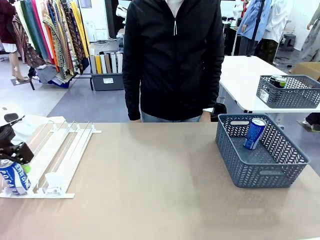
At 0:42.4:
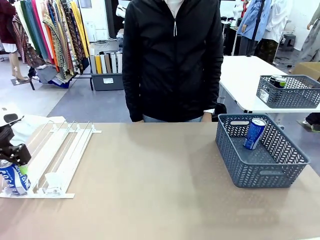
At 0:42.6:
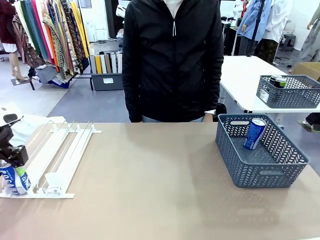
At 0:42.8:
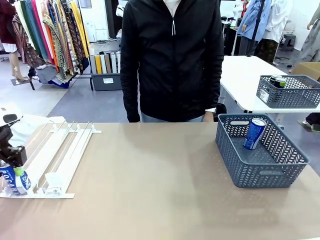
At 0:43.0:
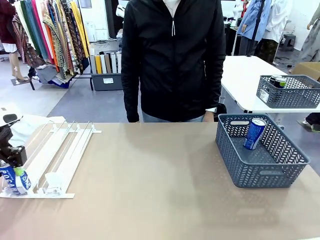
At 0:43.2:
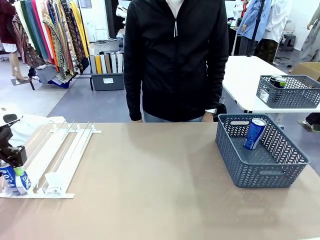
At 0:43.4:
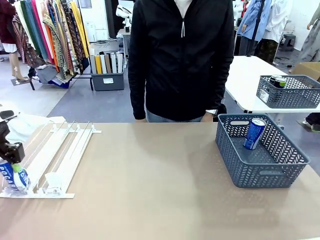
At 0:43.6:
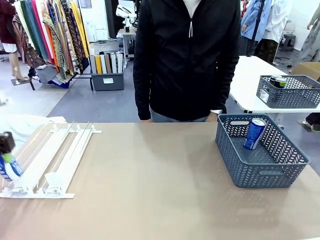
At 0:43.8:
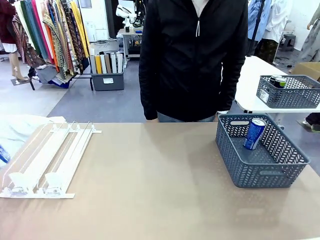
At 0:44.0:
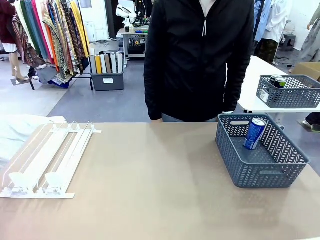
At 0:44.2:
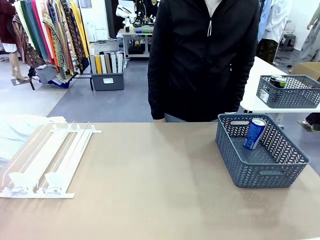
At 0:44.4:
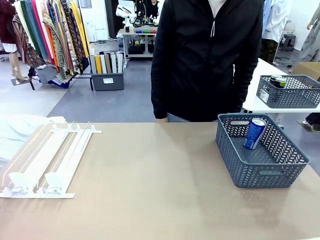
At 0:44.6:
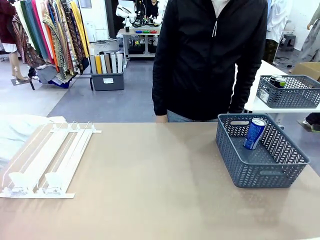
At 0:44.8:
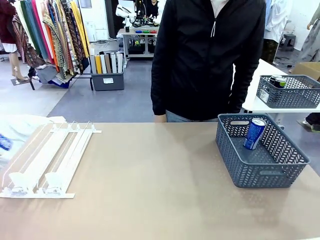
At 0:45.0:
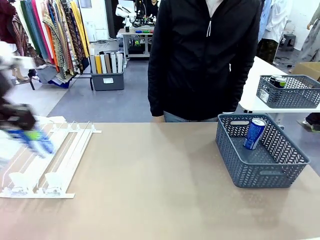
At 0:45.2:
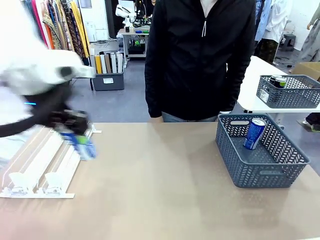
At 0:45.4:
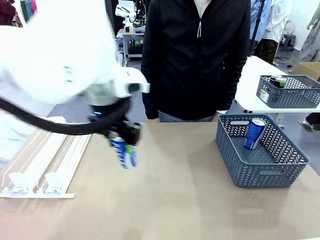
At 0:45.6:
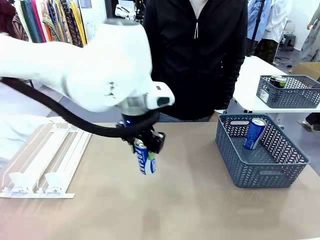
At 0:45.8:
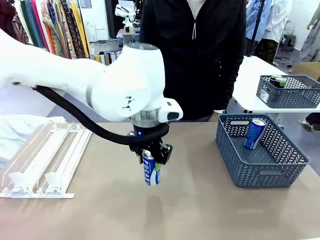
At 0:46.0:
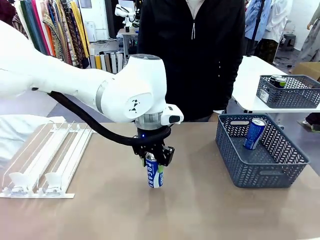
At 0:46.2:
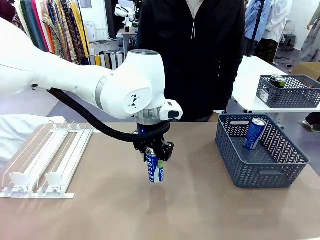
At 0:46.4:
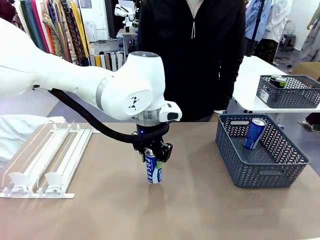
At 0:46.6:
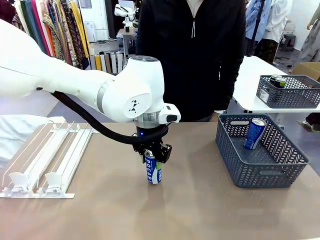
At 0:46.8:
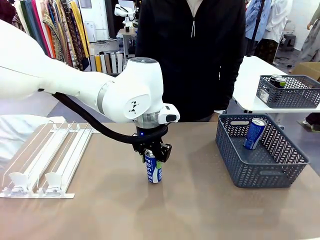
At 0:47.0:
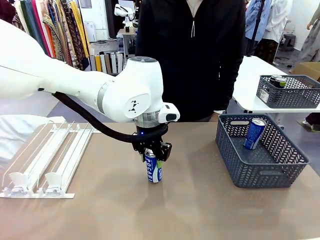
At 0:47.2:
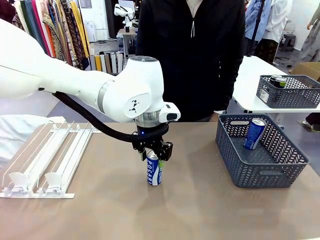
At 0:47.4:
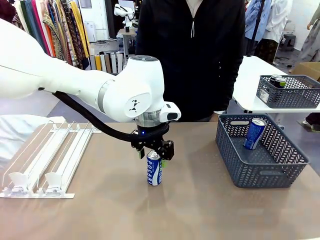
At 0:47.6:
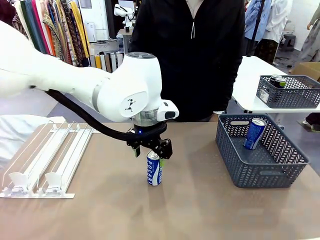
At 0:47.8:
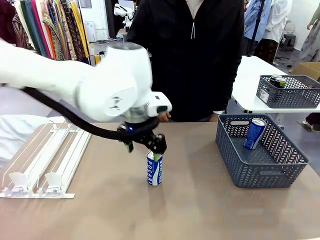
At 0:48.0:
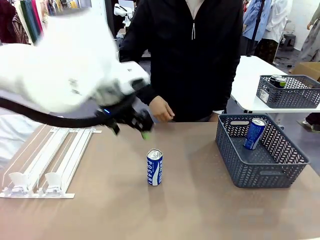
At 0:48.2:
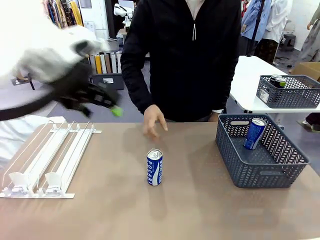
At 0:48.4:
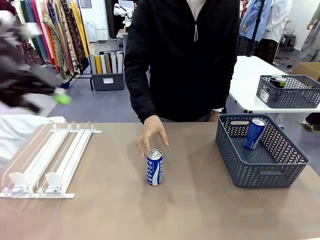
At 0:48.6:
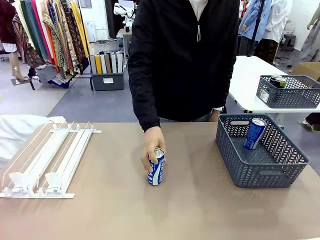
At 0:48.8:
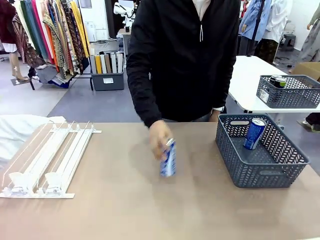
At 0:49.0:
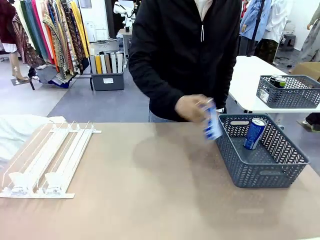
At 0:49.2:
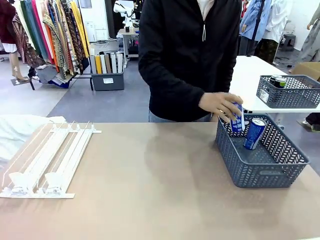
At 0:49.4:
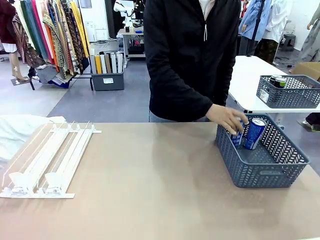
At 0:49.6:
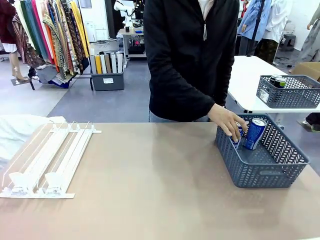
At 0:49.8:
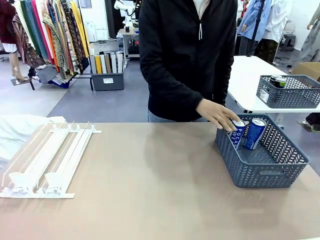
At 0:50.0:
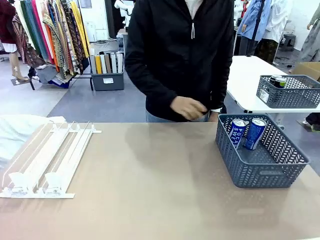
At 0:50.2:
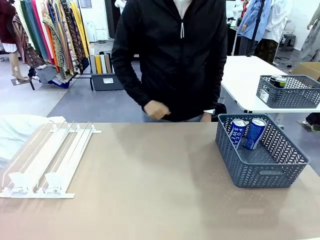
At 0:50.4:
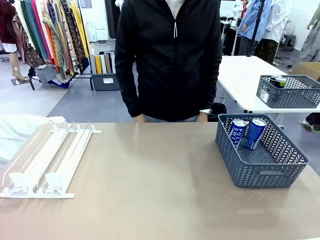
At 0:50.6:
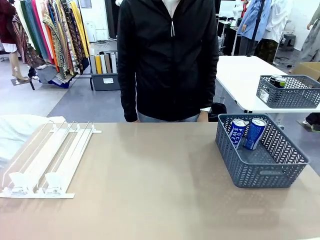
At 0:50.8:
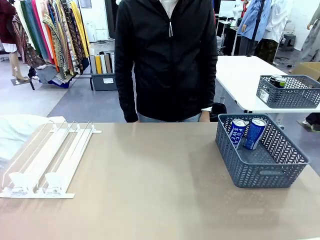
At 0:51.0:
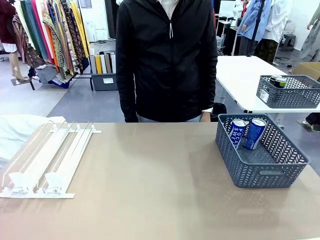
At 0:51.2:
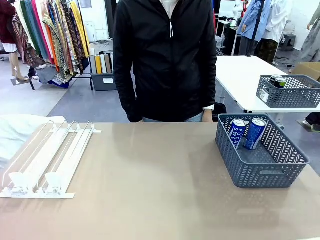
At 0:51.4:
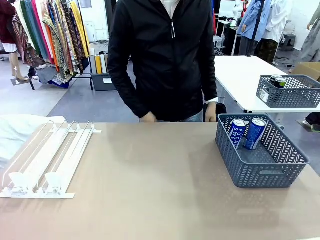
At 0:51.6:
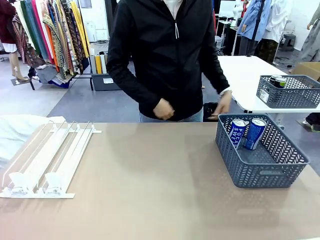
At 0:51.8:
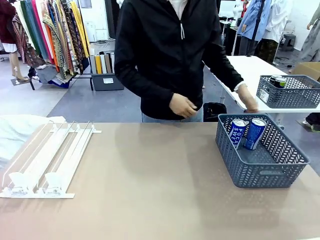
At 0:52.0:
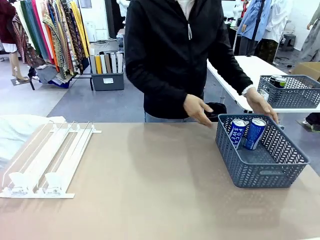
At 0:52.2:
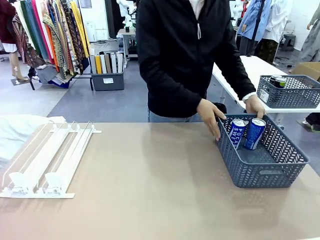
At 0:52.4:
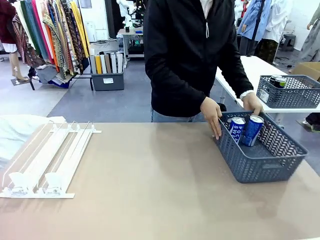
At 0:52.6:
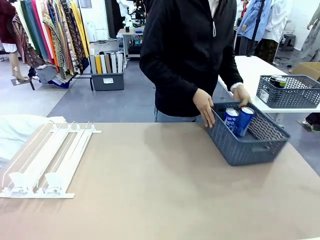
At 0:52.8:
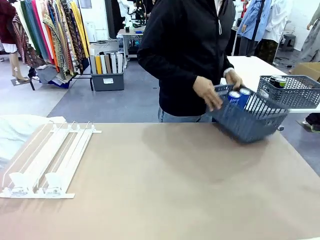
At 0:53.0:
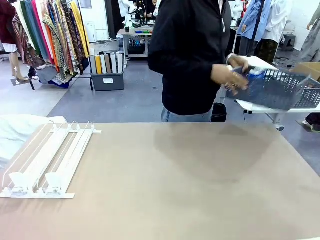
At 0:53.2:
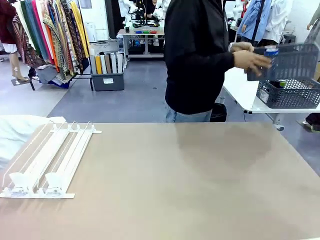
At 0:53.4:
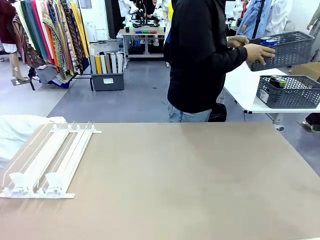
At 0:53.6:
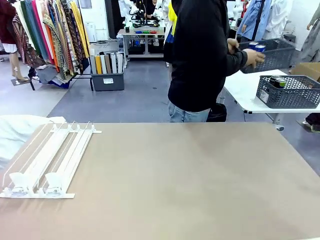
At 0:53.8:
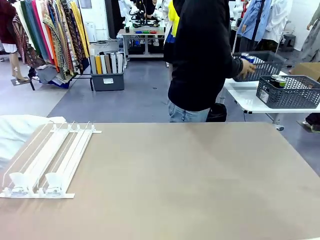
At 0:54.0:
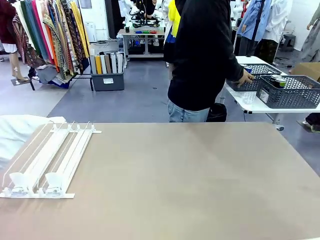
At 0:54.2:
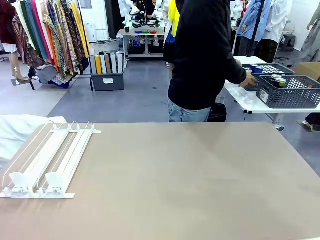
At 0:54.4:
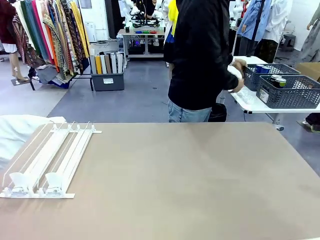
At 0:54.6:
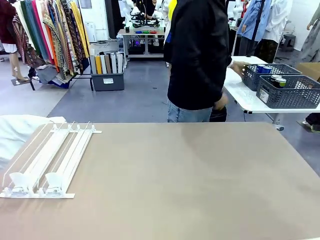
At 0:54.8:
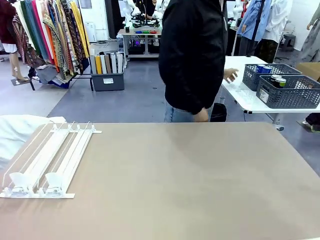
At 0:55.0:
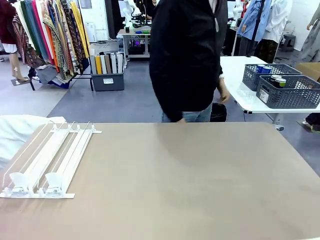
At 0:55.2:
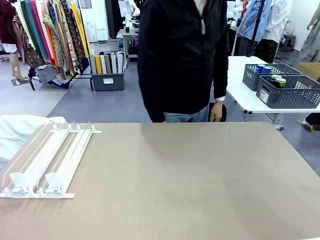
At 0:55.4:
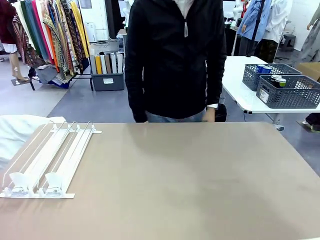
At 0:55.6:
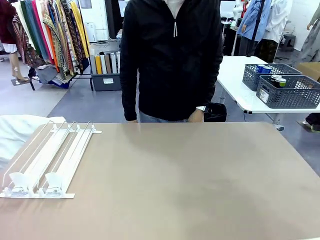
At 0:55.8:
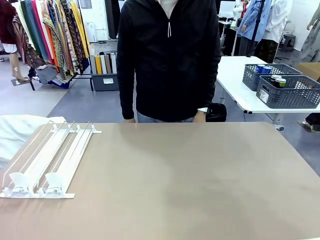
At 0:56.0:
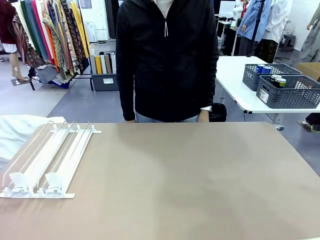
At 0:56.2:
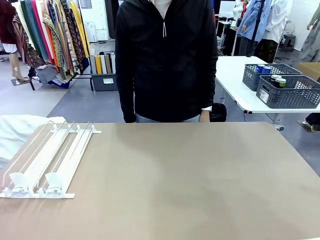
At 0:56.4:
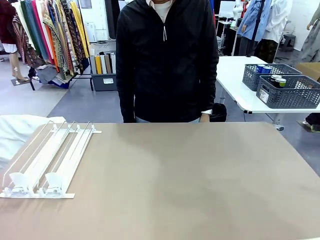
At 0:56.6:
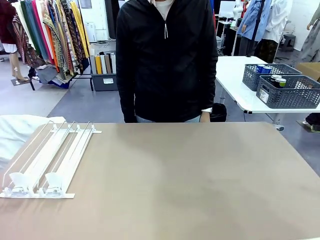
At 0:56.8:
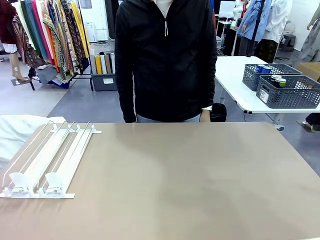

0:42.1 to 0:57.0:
Task: Retrieve and store the cans from the dispenser.
Robot: Pick up one can from the Automatic Can Dispenser and place it in the middle of the table.
Person: Pick up one sports drink can from the middle of the robot table and place it in the basket. Pick up the basket and place it in the middle of the human table.
